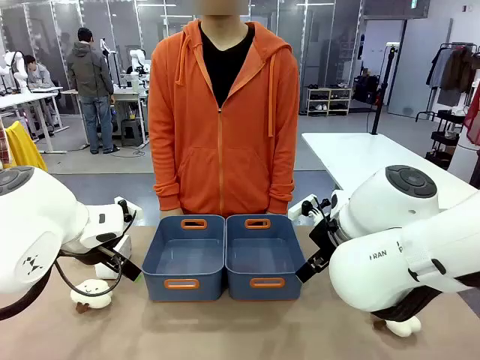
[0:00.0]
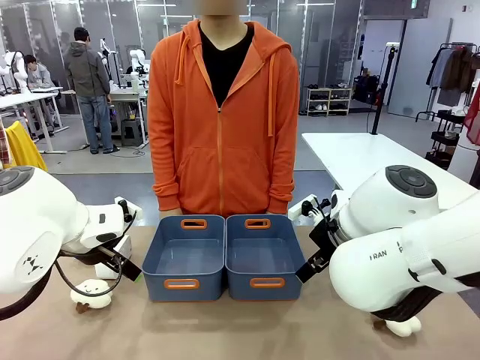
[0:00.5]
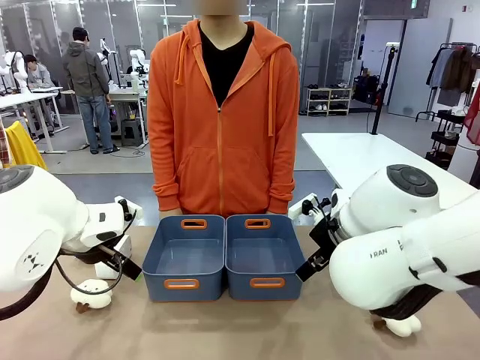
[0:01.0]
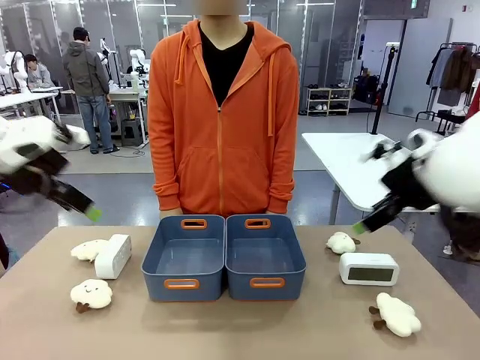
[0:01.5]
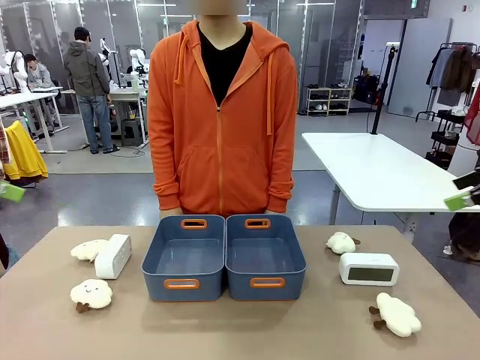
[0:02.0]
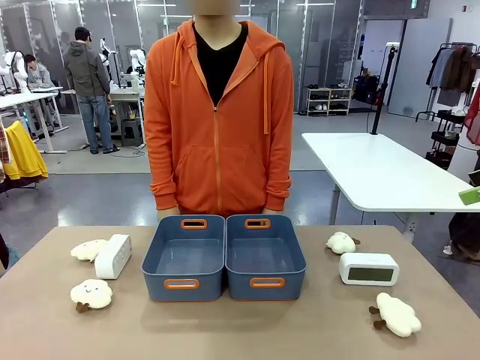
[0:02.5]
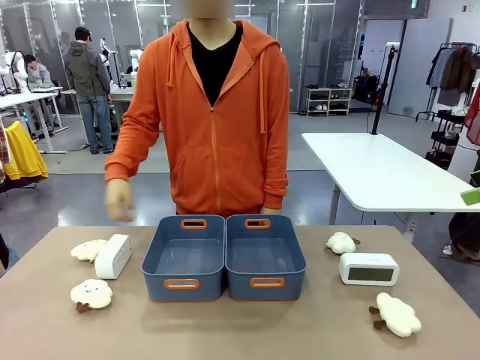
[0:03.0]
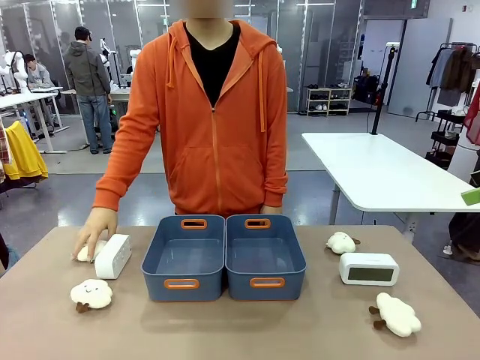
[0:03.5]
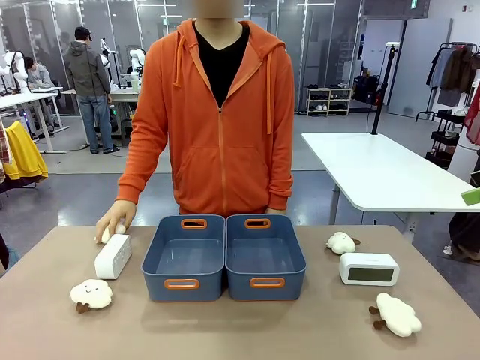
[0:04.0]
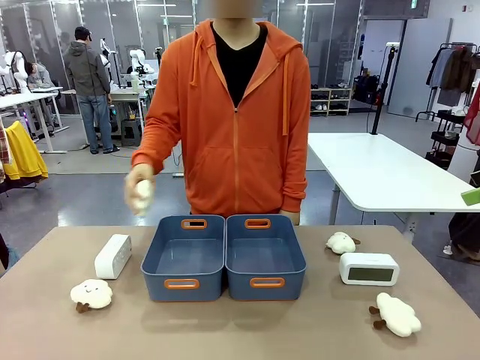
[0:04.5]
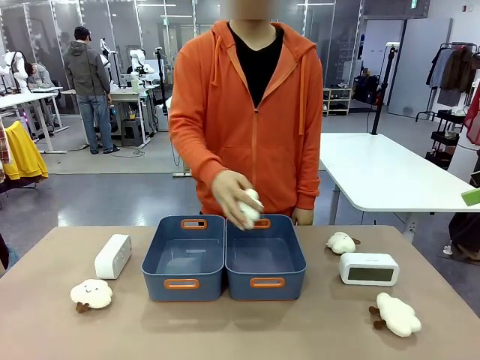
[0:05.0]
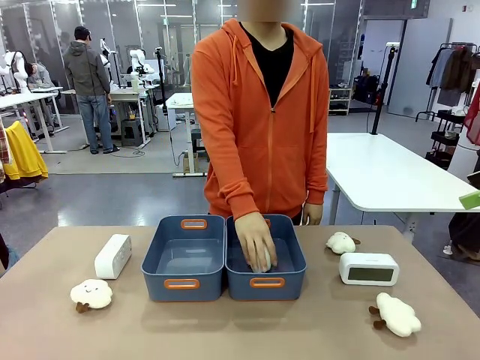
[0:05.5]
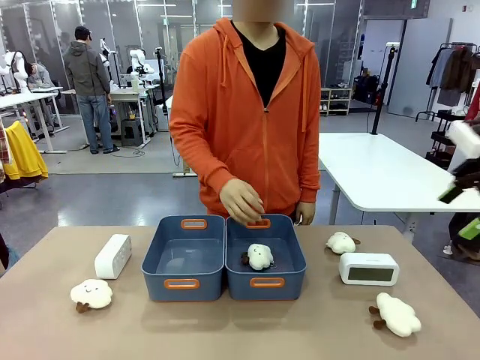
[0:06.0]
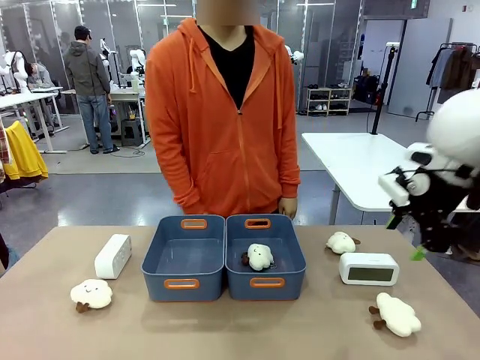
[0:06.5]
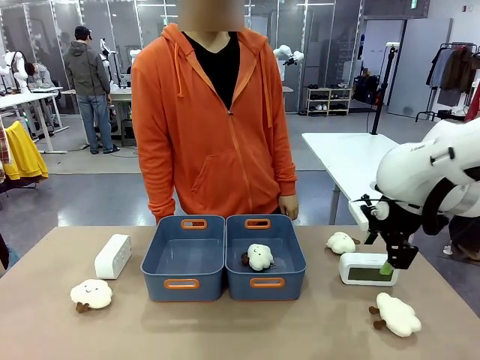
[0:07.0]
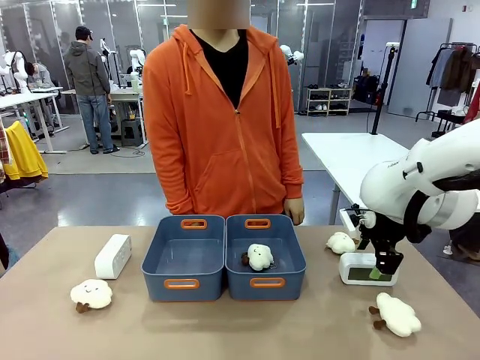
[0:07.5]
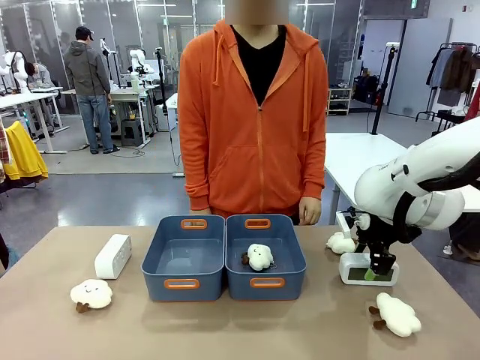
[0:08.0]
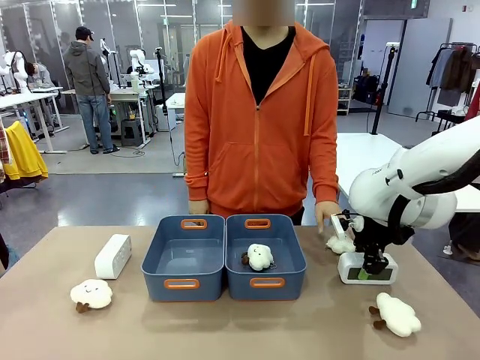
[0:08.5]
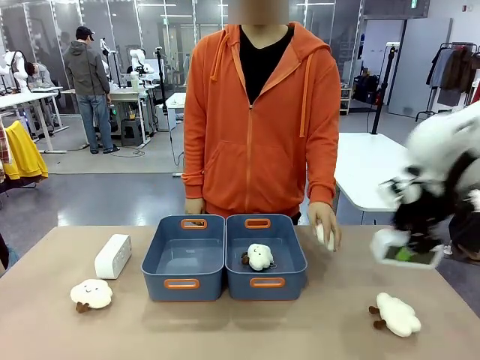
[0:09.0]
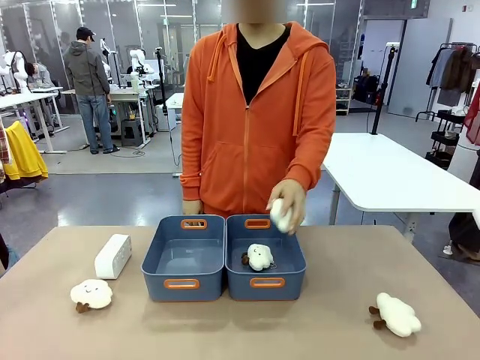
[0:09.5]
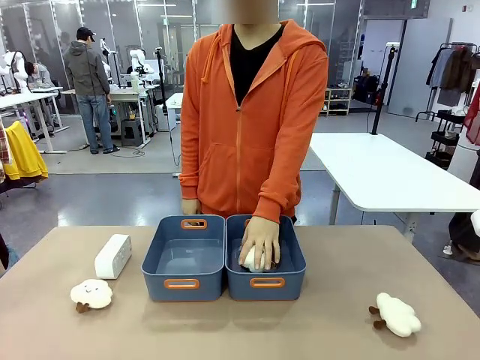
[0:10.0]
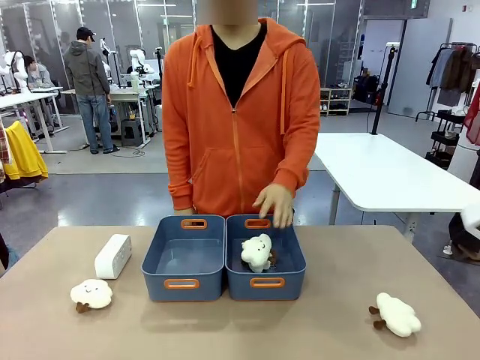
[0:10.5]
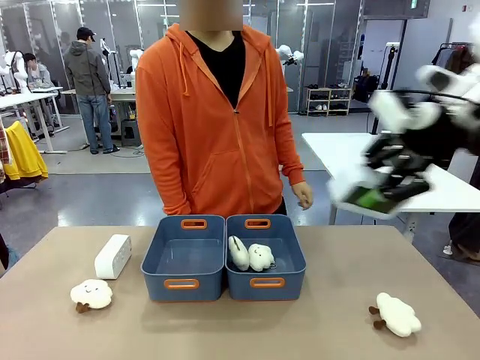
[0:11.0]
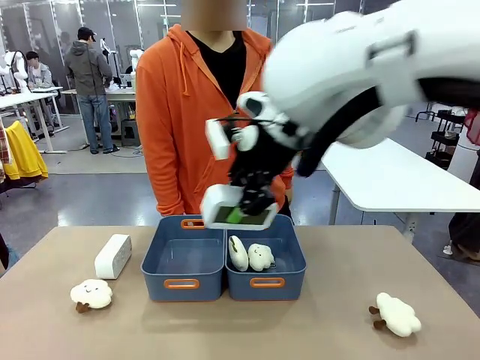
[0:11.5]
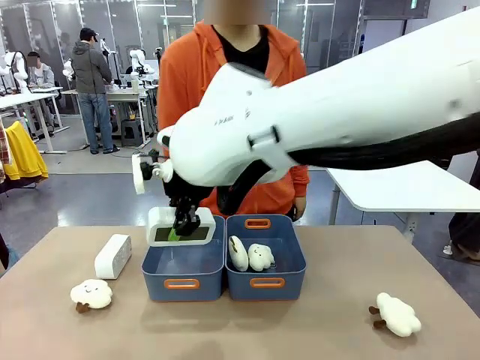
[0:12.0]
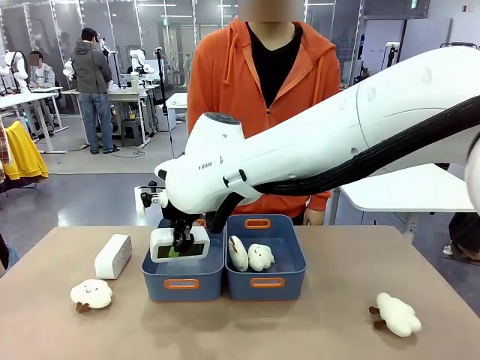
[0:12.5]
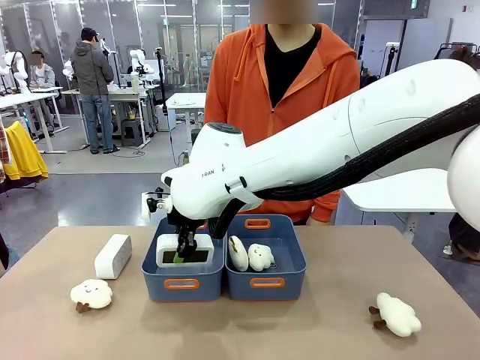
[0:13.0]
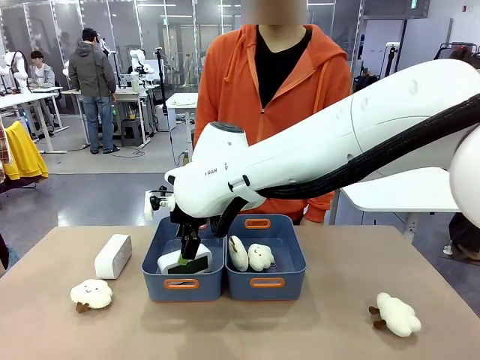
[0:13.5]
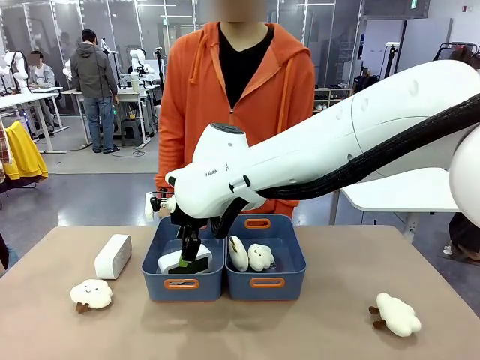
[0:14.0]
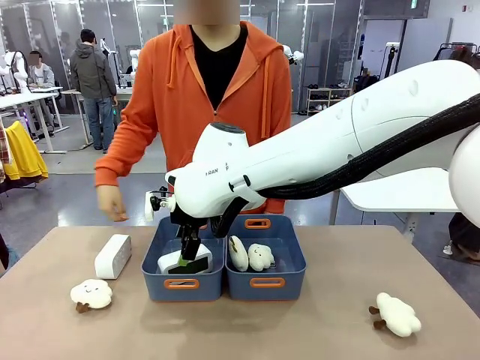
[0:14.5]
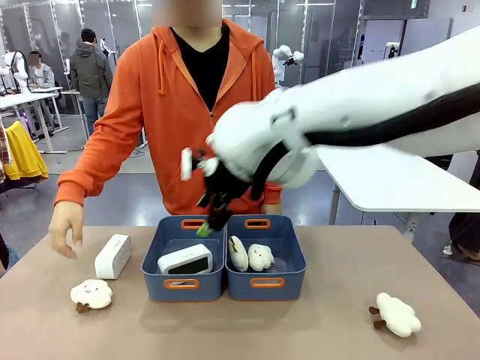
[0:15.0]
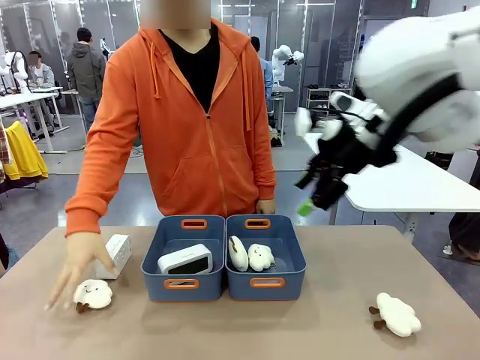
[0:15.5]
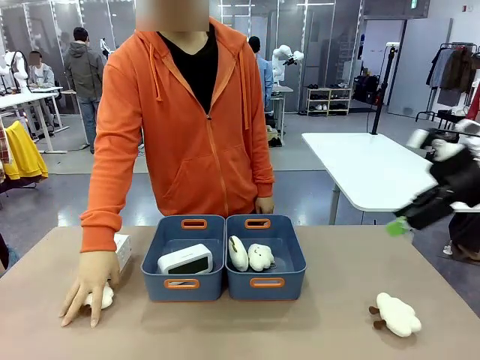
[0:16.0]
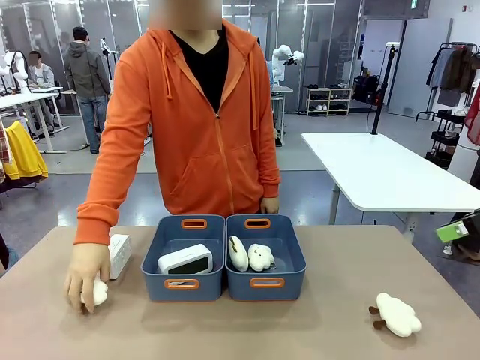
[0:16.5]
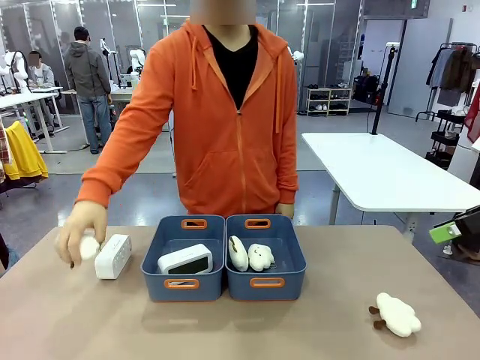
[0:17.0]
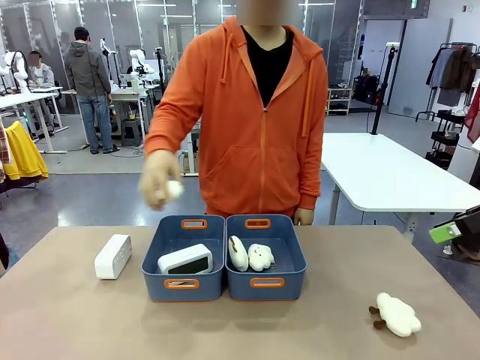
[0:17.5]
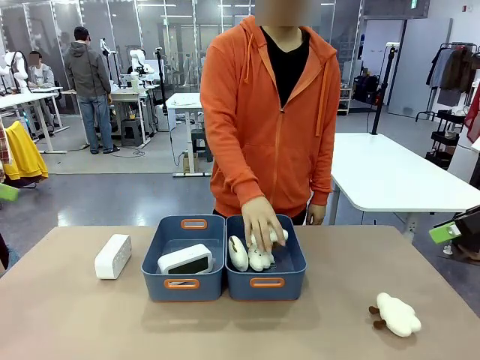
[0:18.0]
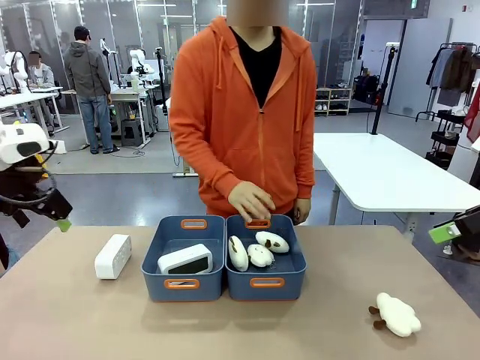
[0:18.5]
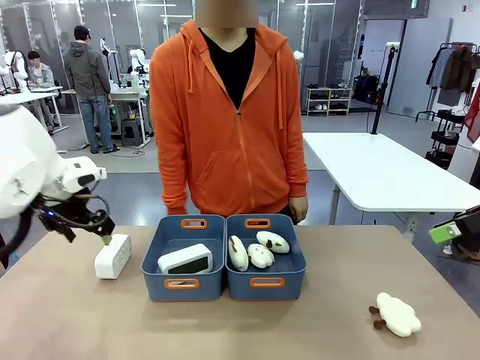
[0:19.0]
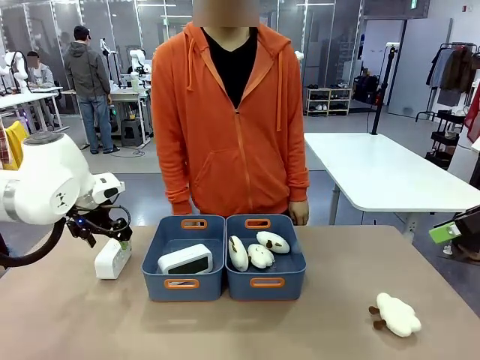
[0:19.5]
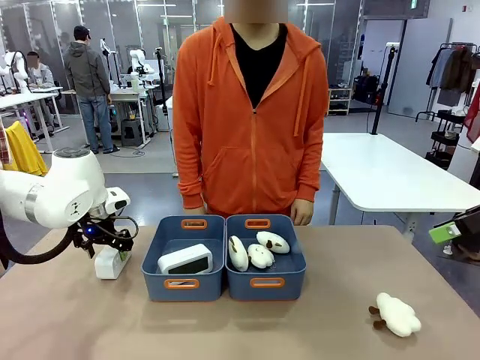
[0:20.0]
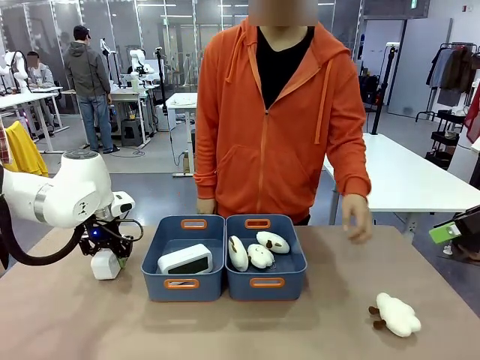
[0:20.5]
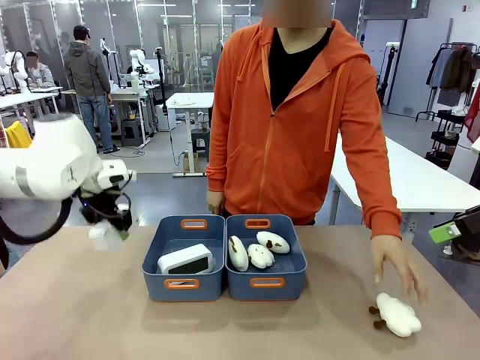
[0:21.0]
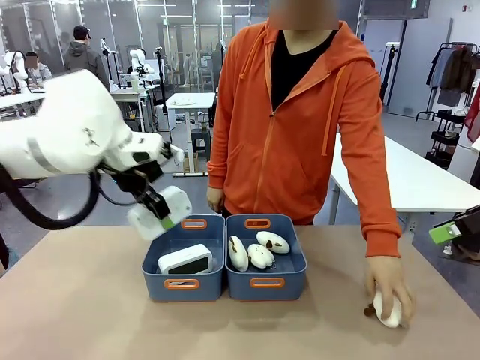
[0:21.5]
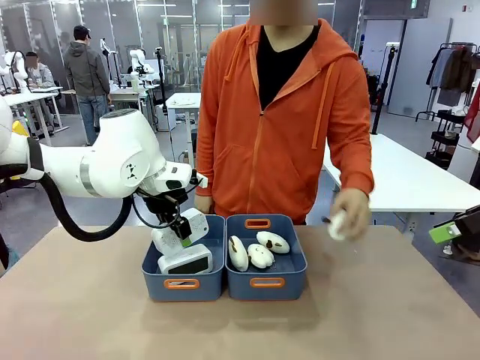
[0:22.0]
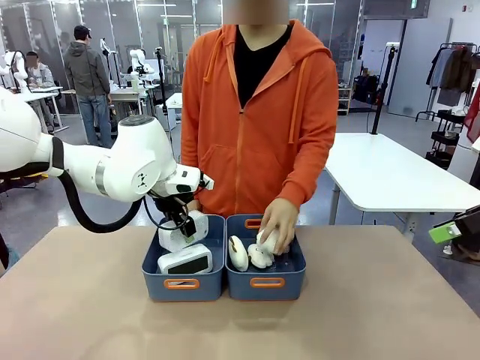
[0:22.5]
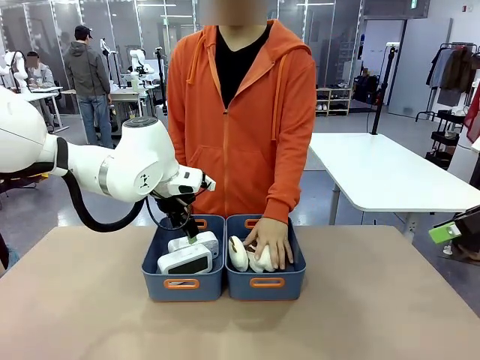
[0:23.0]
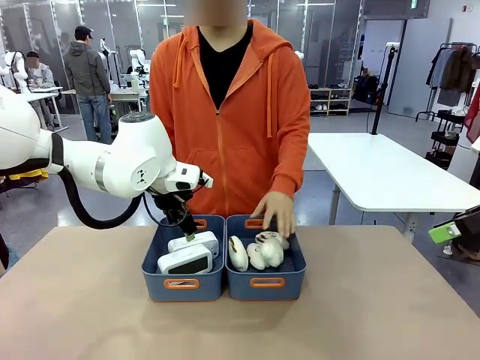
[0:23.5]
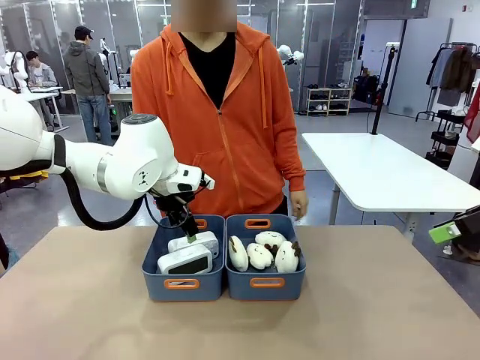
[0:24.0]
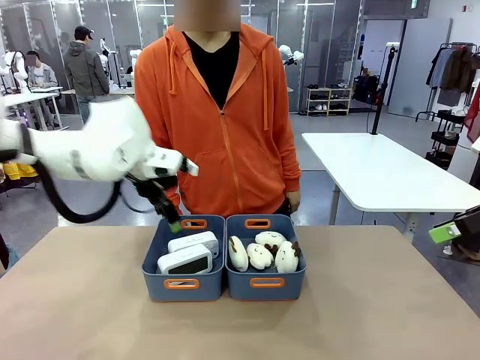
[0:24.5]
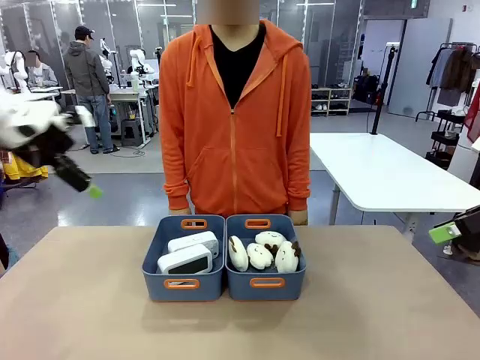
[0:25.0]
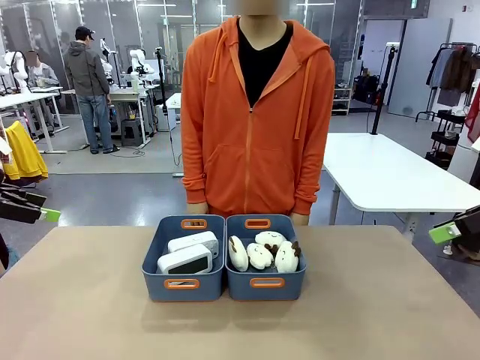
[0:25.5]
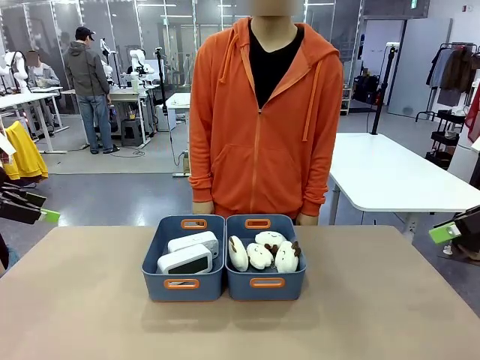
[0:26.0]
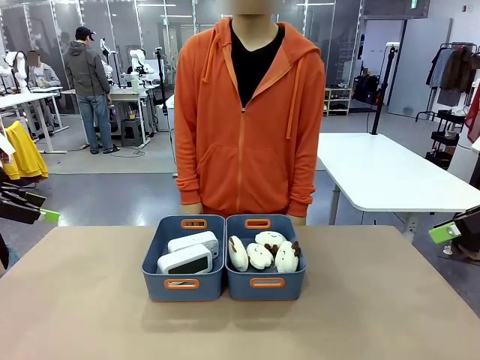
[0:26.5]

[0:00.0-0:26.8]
Task: Sort the digital clocks into the basket.
Robot: Pick up the Digital clock from the table and place it into the empty Plastic storage basket.
Person: Pick up a plush toy from the table and place it in a plastic storage basket. Pick up a plush toy from the table and place it in the plastic storage basket containing the plush toy.
